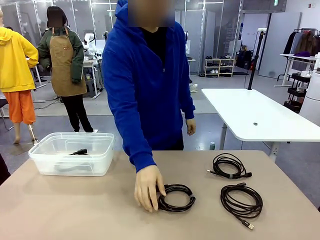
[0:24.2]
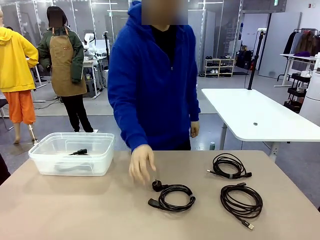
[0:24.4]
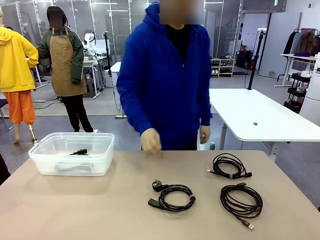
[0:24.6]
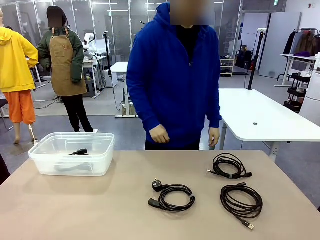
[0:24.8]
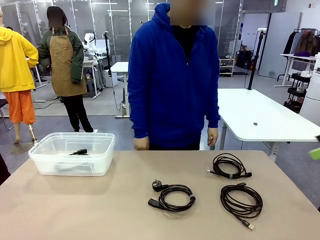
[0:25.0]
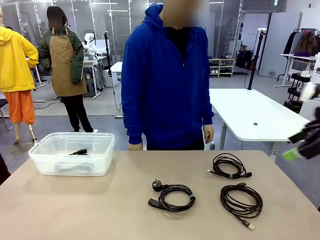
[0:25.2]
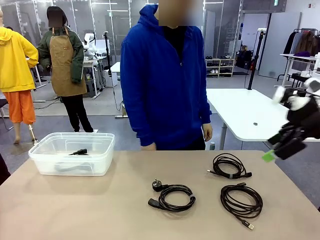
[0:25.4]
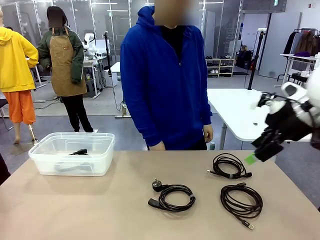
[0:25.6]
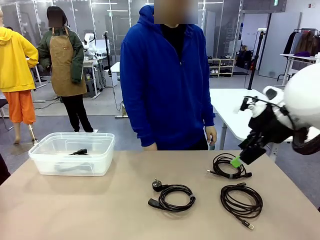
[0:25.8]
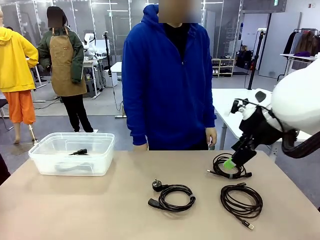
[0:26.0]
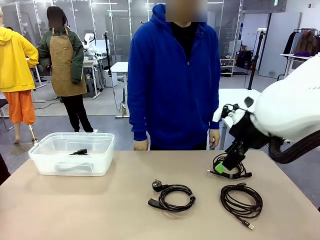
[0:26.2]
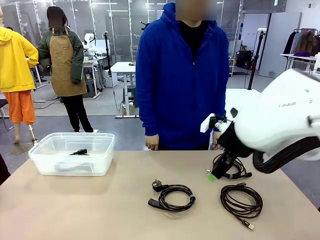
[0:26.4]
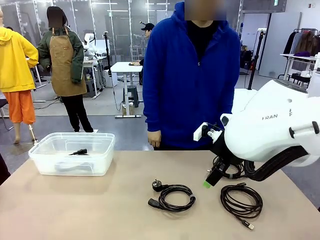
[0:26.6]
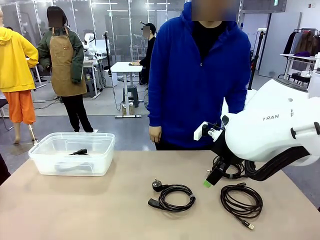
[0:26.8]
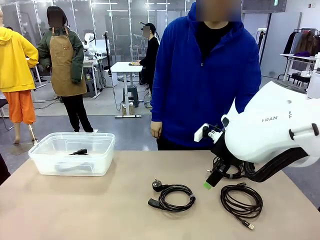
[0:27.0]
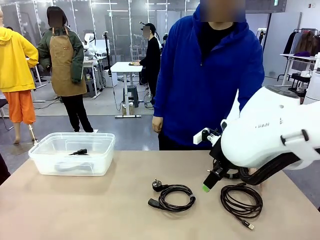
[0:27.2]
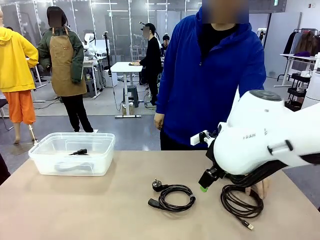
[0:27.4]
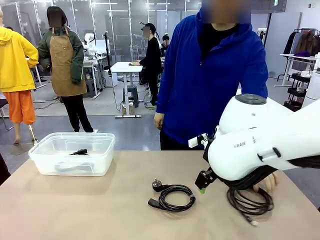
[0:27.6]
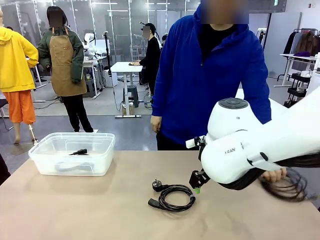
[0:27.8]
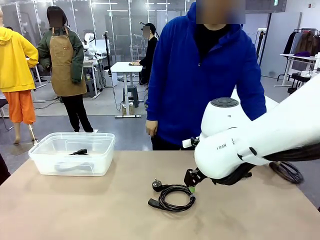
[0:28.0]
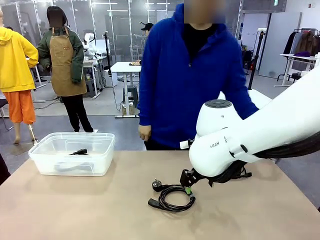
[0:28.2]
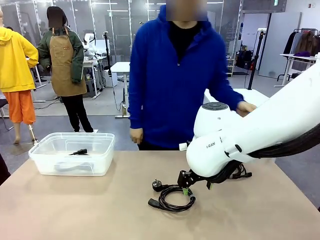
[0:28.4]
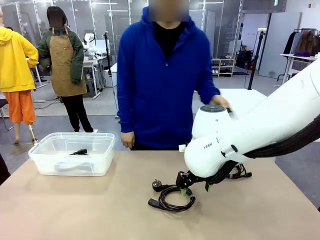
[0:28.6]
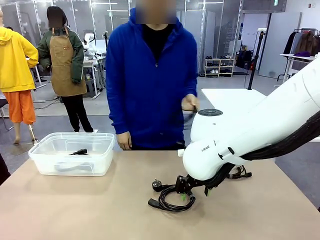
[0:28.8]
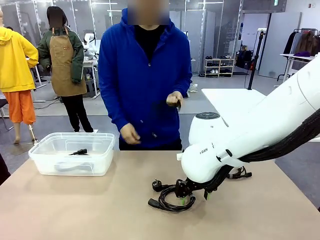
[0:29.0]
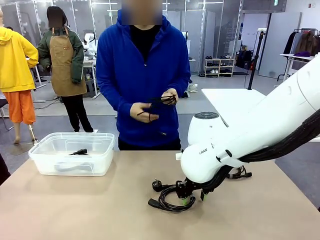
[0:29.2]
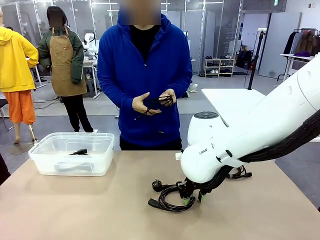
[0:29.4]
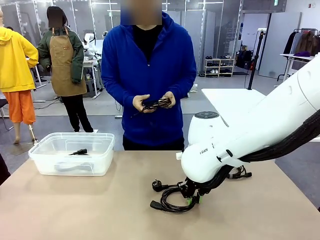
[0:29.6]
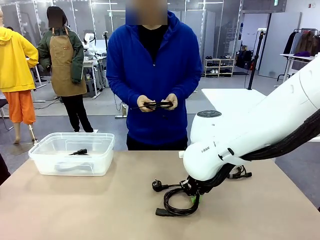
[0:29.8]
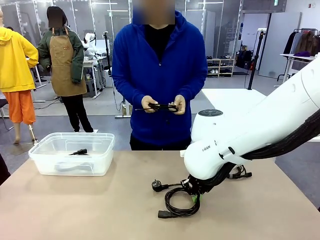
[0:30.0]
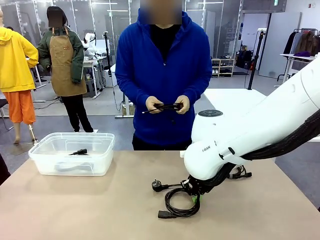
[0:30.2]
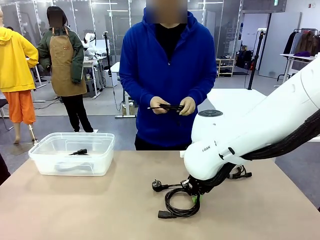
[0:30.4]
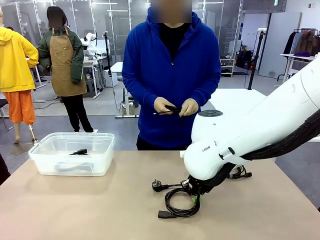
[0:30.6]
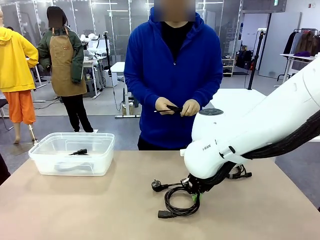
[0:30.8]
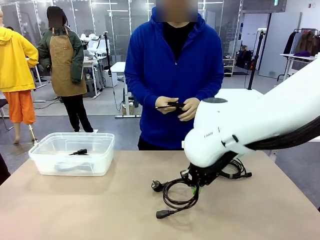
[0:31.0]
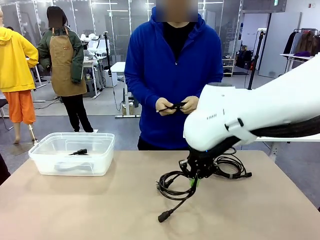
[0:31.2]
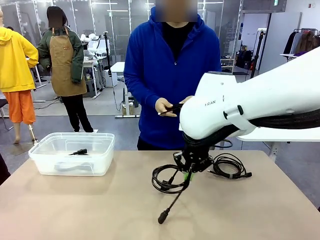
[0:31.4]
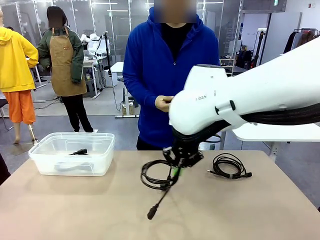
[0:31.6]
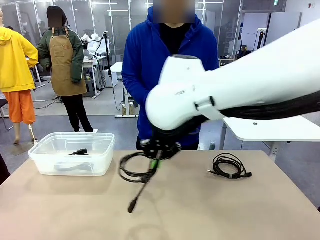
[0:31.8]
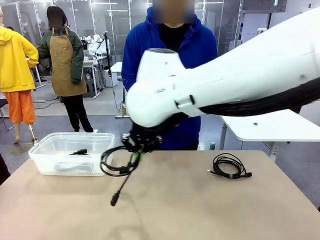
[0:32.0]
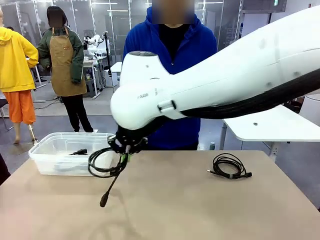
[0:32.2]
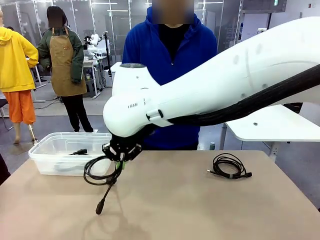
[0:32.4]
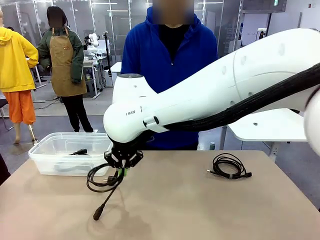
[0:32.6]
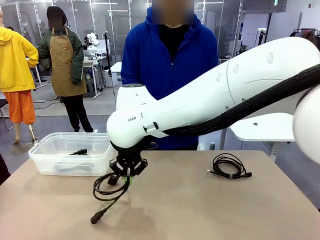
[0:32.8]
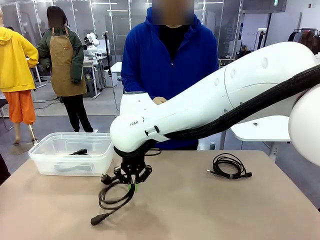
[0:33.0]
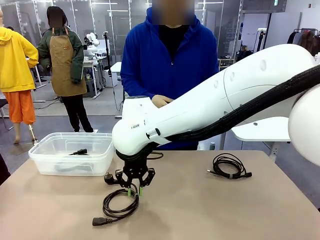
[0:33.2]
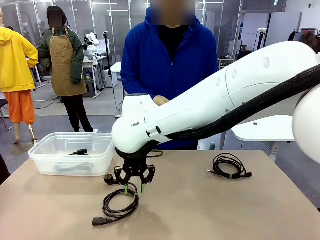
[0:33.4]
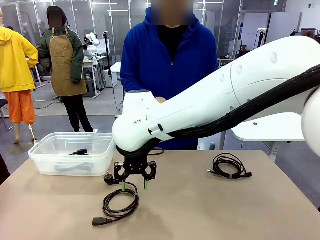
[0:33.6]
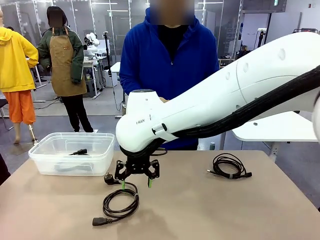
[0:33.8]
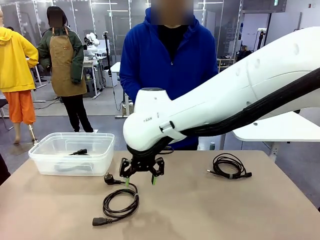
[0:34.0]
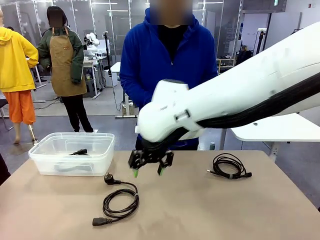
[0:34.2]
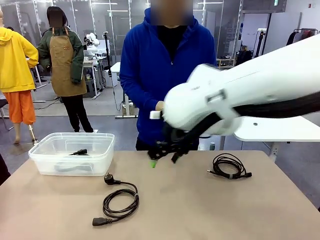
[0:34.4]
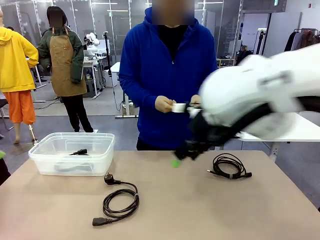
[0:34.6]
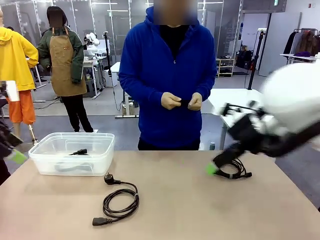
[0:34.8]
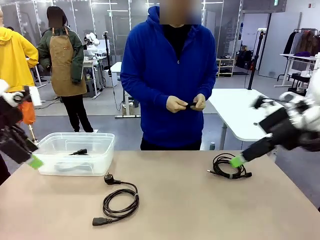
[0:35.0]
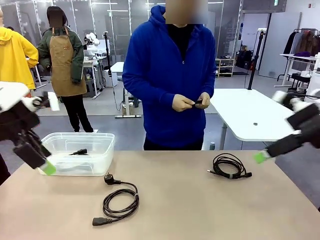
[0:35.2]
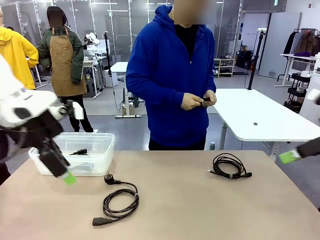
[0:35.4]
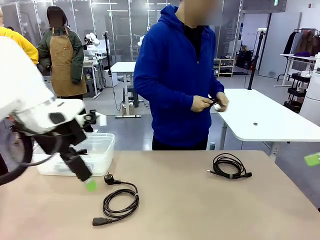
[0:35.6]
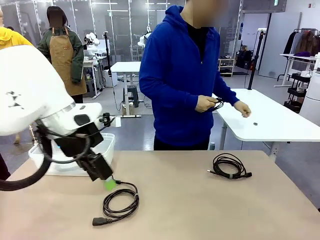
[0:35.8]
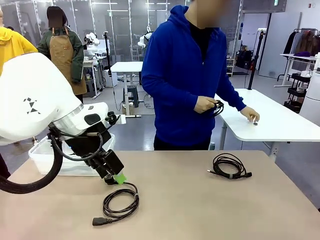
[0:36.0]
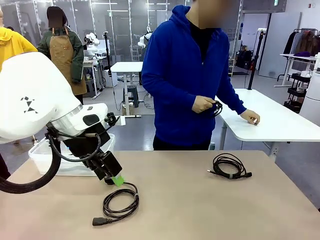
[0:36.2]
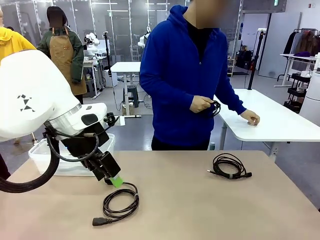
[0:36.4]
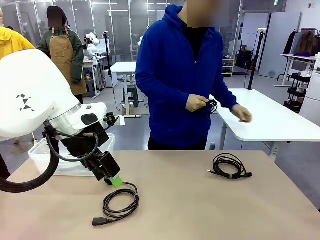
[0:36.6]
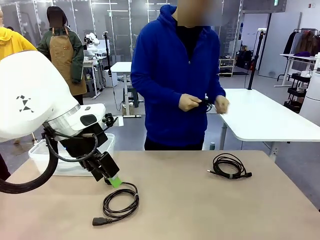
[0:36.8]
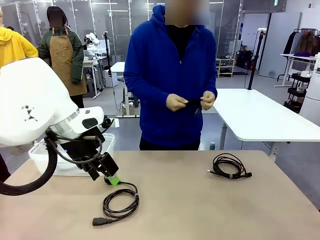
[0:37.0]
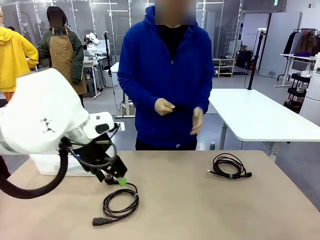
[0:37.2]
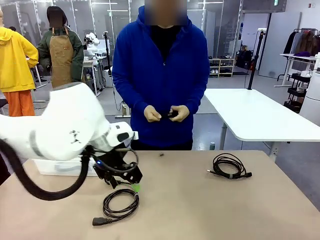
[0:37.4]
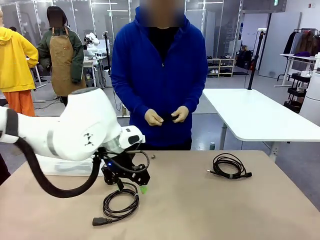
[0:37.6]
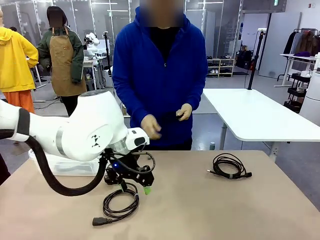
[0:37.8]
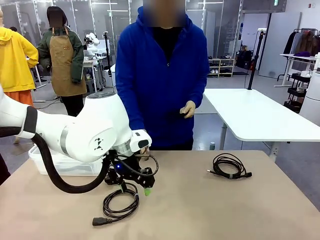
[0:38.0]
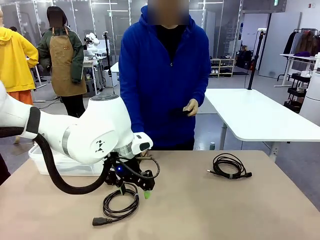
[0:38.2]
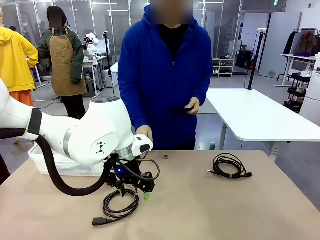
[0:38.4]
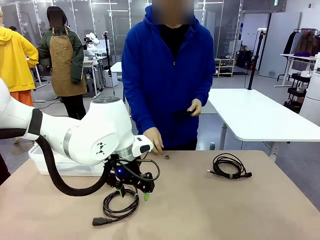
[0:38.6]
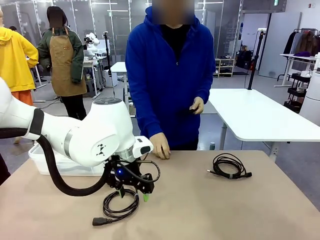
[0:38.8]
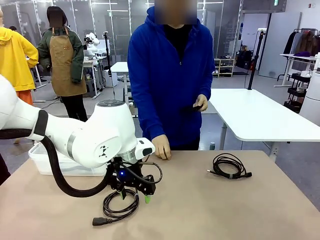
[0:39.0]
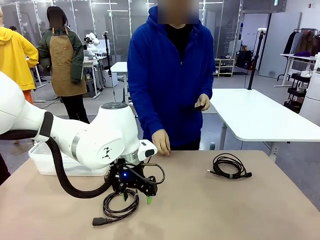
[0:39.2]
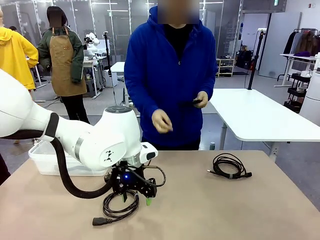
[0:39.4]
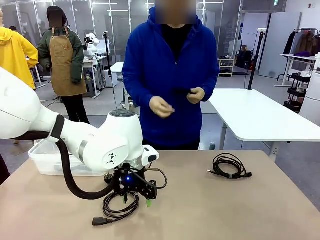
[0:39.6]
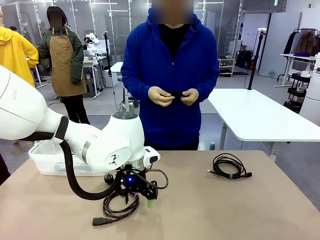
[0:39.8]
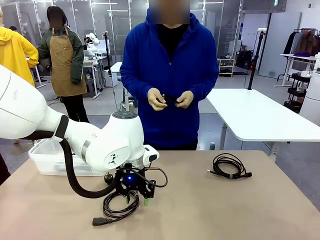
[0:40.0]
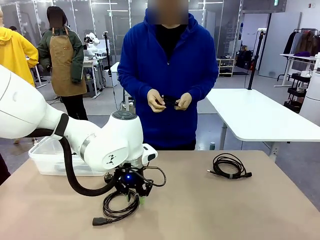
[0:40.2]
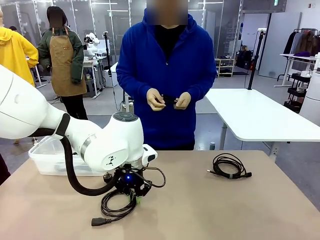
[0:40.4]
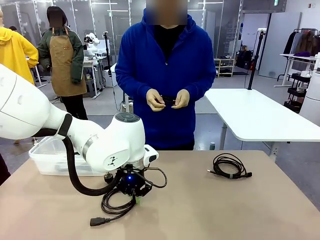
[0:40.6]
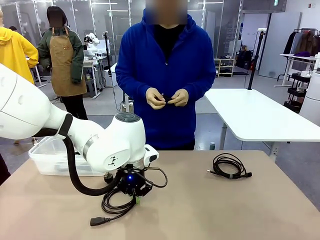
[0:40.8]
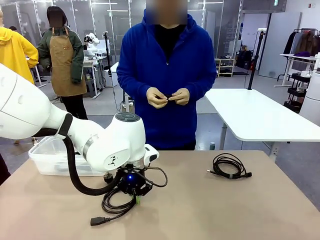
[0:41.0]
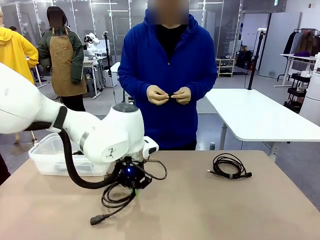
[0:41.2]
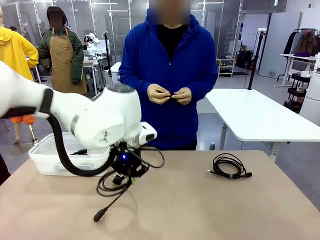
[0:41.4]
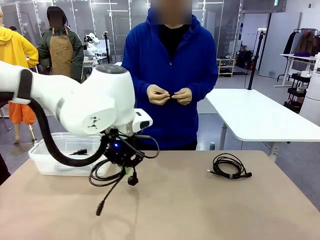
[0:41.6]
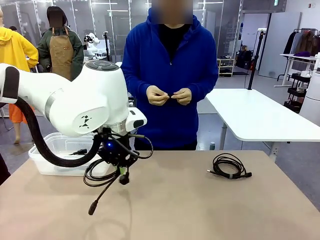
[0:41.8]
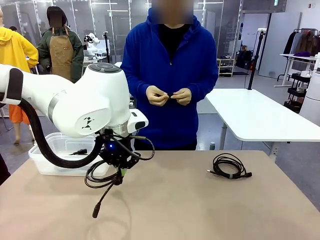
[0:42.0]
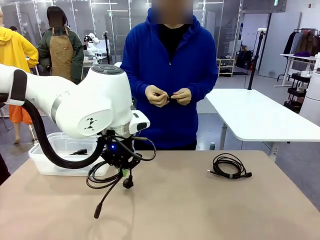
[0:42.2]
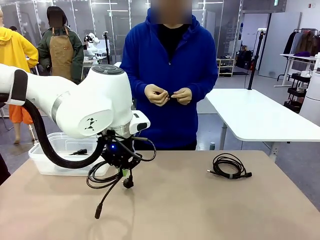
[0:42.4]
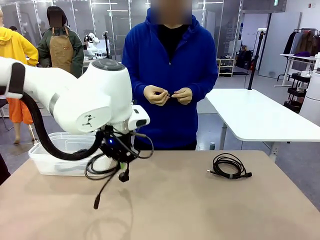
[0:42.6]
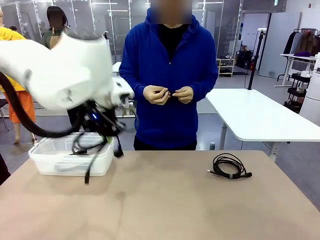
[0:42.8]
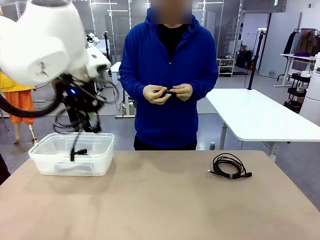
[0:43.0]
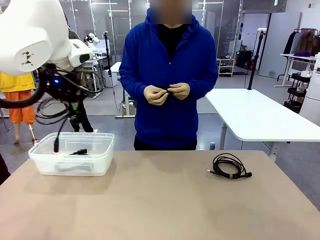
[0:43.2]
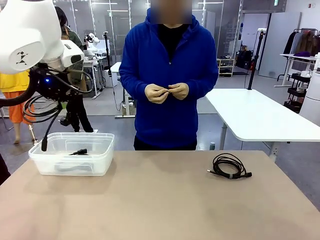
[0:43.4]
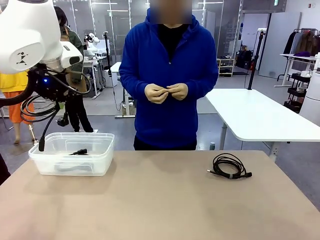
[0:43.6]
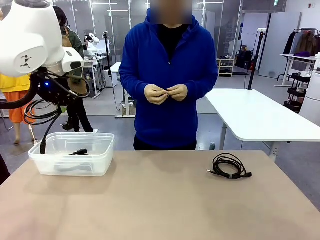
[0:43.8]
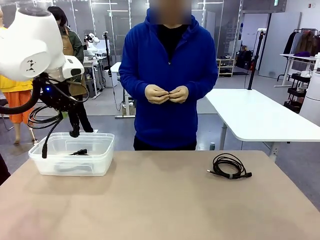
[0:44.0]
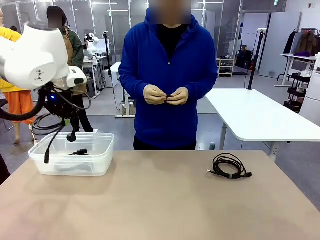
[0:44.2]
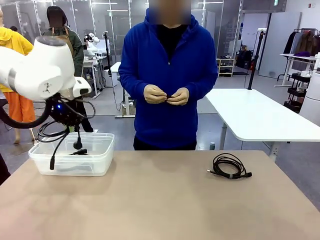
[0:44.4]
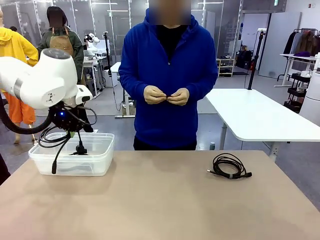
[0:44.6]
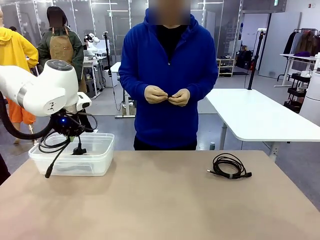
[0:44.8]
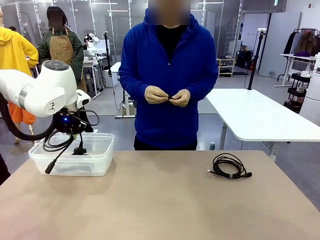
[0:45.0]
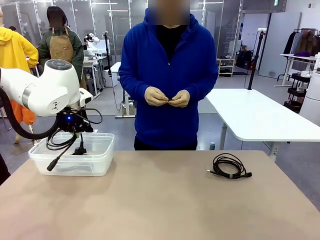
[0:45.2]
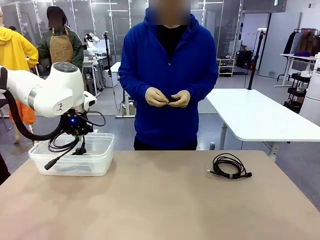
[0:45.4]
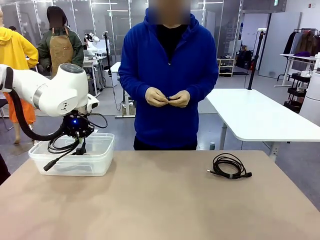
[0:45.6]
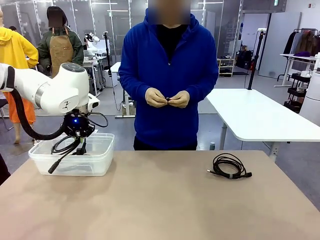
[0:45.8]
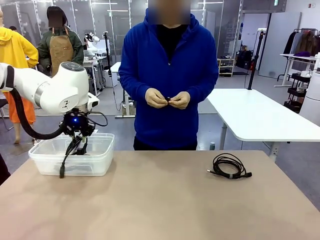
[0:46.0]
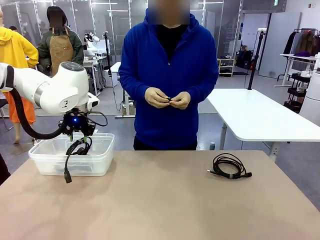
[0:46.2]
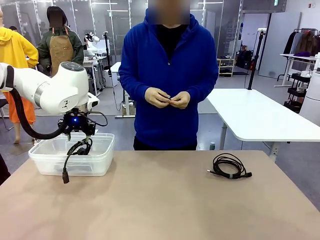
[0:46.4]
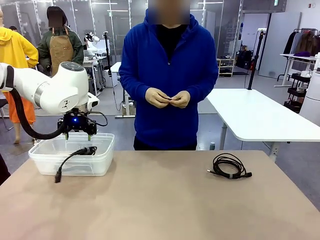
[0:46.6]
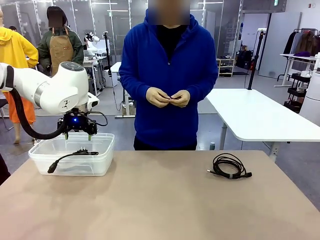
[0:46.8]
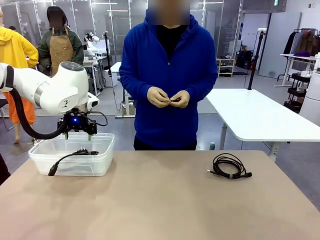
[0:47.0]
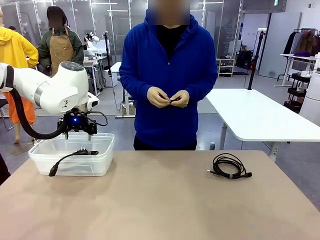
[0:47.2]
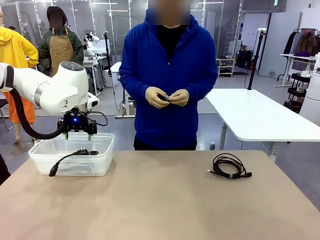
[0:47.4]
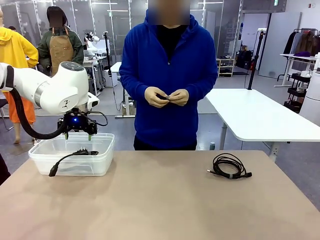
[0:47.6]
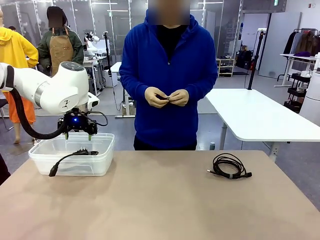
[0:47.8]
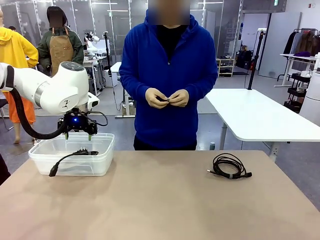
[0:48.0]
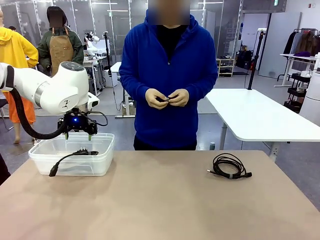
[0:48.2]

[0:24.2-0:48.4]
Task: Organize and store the cables.
Robot: Place the Power Cable into the Organizing box.
